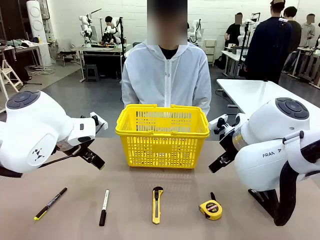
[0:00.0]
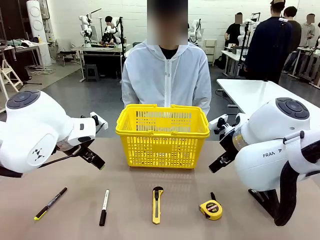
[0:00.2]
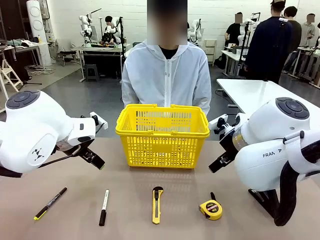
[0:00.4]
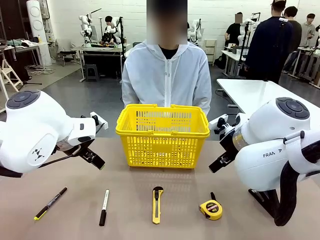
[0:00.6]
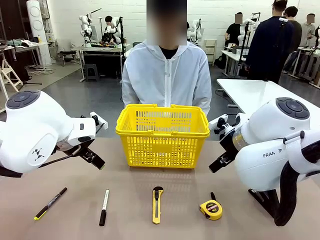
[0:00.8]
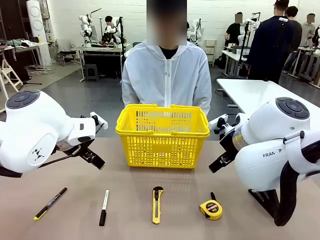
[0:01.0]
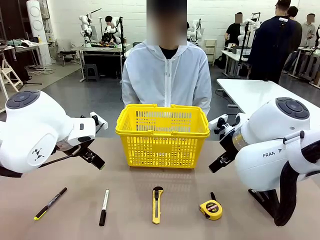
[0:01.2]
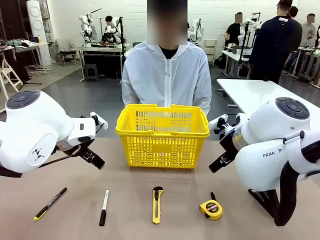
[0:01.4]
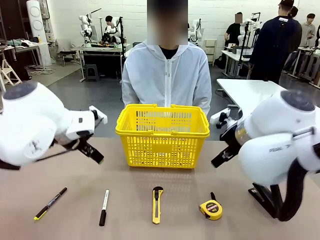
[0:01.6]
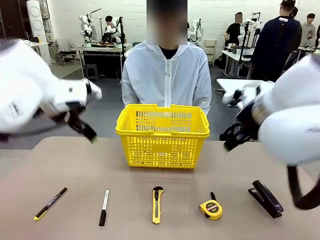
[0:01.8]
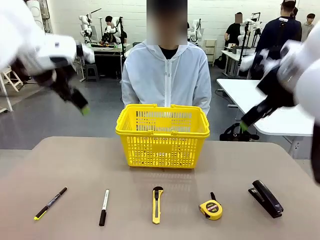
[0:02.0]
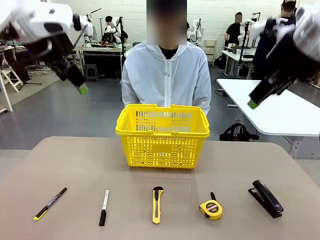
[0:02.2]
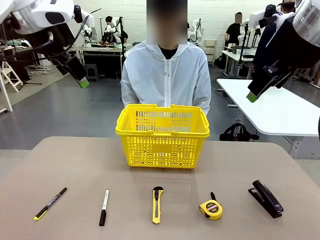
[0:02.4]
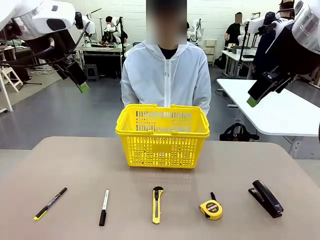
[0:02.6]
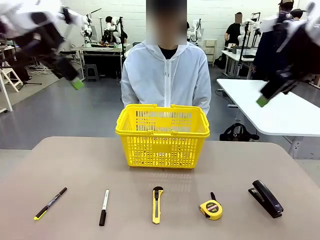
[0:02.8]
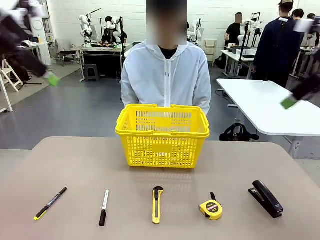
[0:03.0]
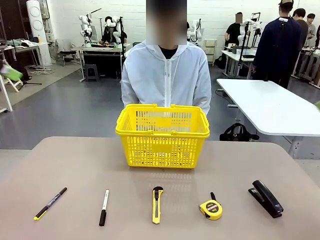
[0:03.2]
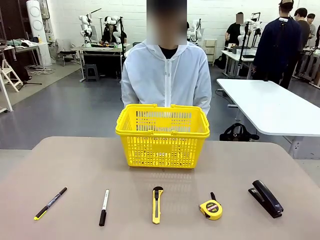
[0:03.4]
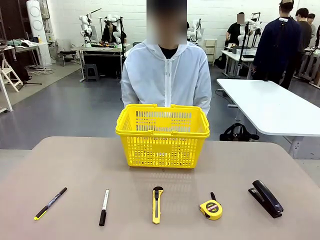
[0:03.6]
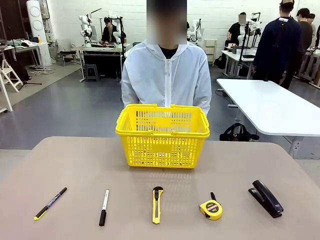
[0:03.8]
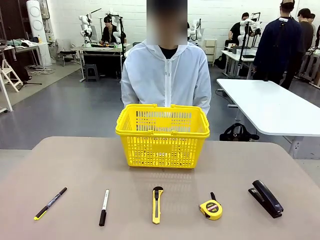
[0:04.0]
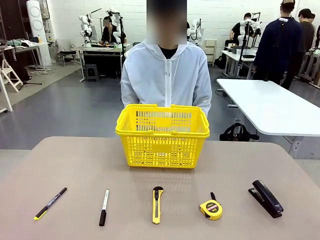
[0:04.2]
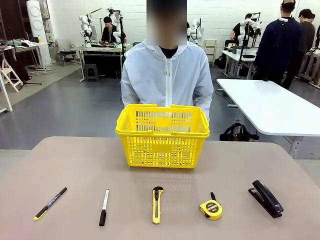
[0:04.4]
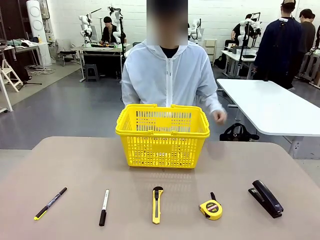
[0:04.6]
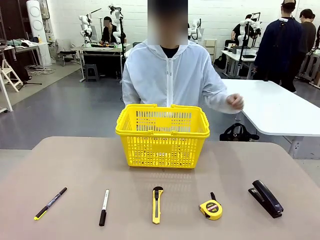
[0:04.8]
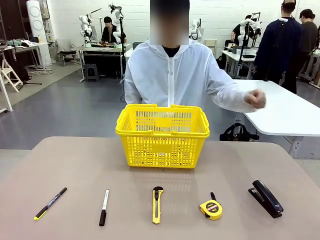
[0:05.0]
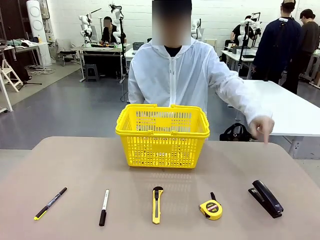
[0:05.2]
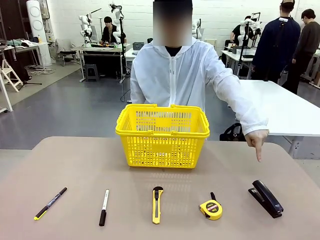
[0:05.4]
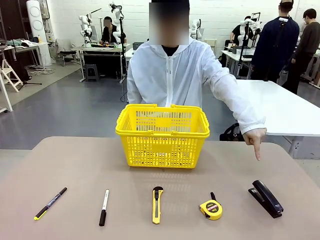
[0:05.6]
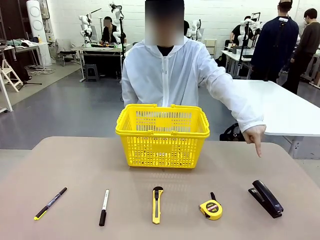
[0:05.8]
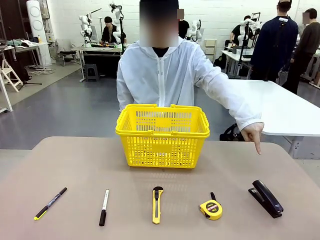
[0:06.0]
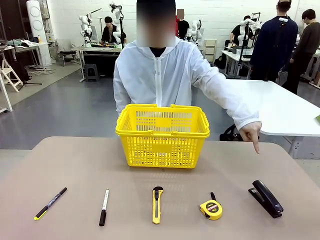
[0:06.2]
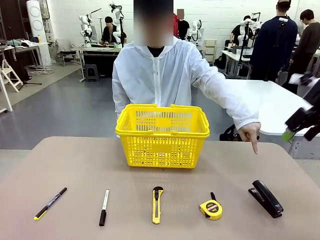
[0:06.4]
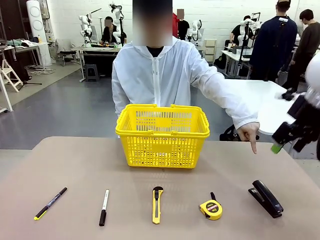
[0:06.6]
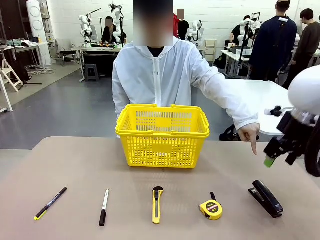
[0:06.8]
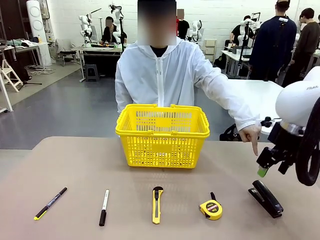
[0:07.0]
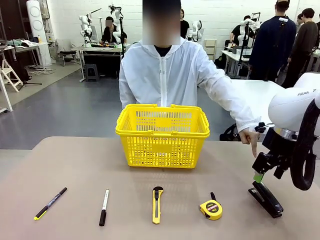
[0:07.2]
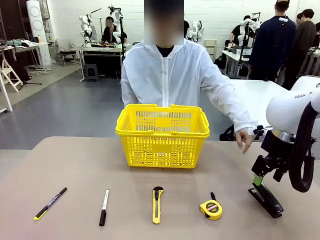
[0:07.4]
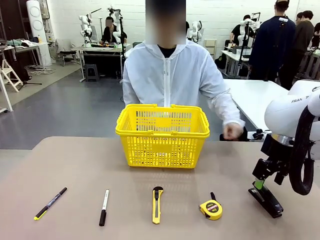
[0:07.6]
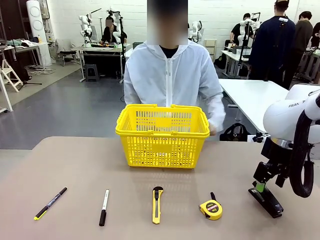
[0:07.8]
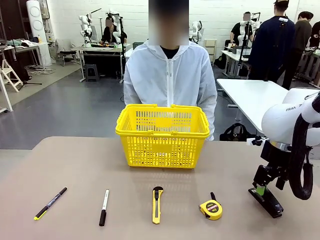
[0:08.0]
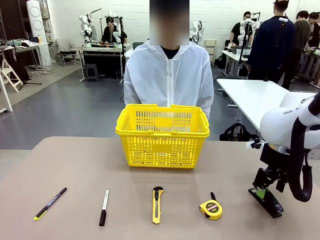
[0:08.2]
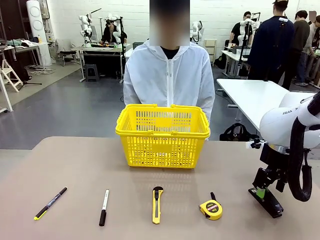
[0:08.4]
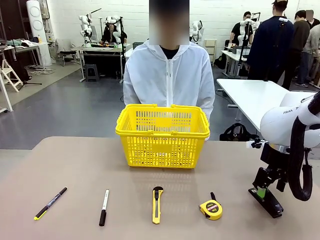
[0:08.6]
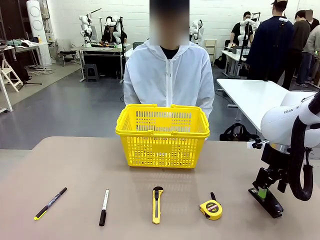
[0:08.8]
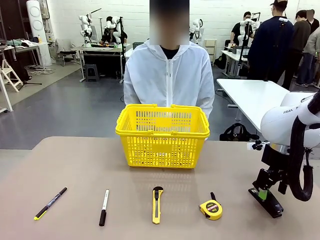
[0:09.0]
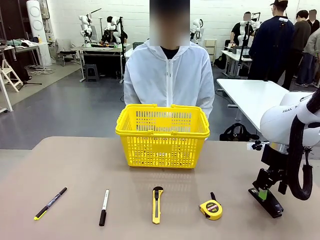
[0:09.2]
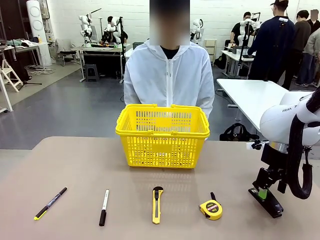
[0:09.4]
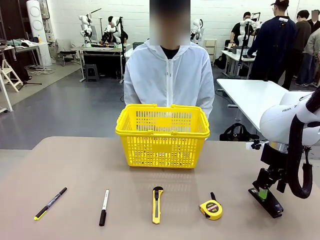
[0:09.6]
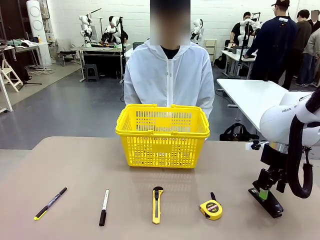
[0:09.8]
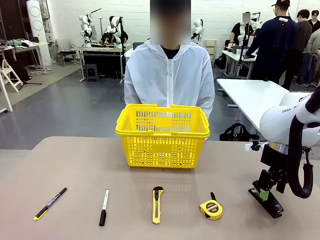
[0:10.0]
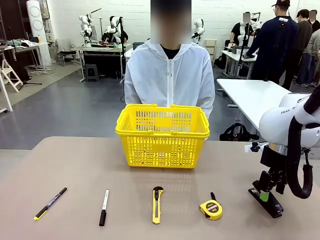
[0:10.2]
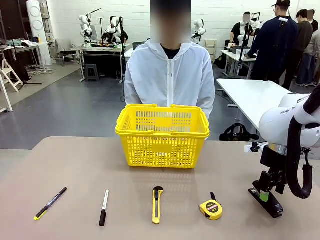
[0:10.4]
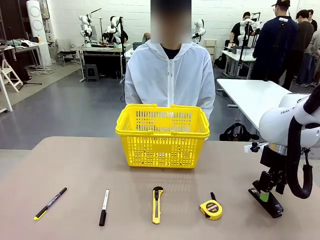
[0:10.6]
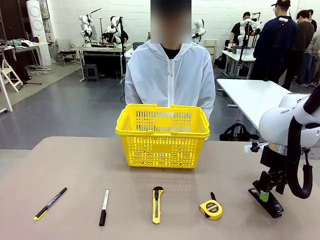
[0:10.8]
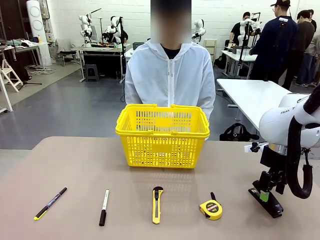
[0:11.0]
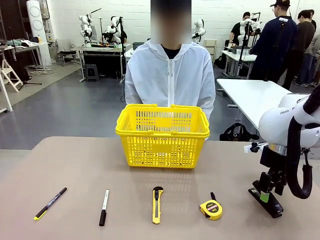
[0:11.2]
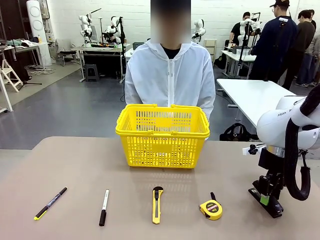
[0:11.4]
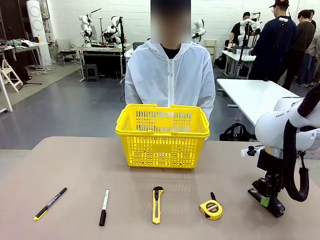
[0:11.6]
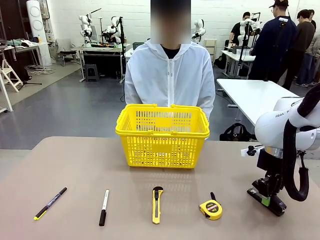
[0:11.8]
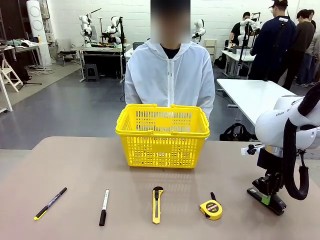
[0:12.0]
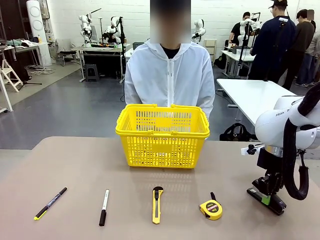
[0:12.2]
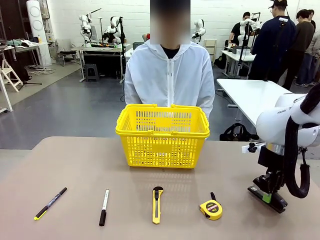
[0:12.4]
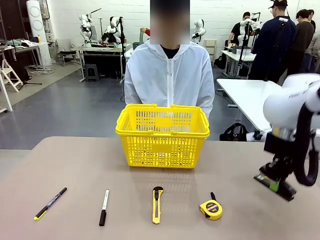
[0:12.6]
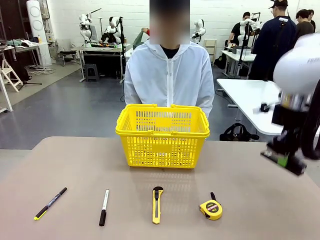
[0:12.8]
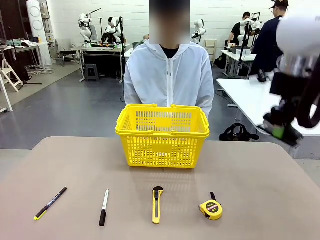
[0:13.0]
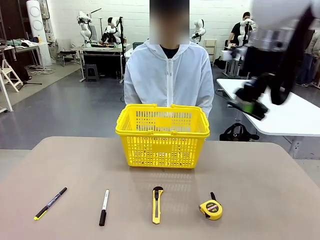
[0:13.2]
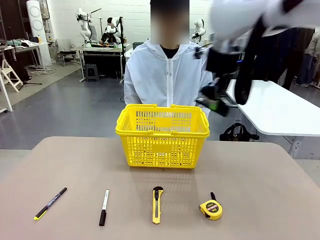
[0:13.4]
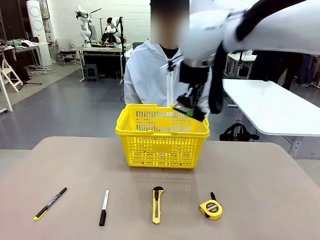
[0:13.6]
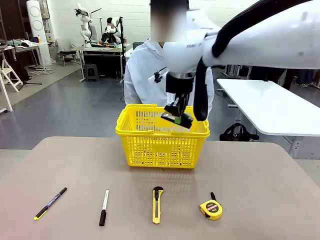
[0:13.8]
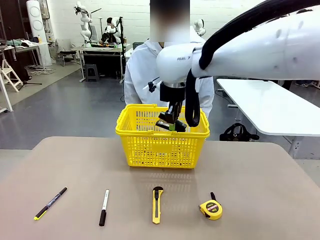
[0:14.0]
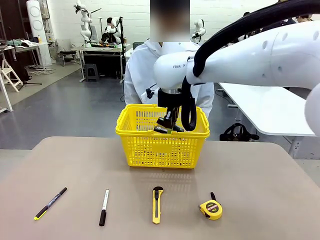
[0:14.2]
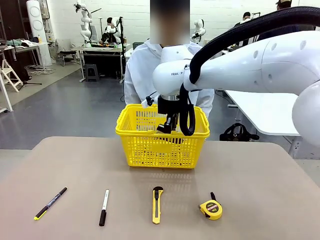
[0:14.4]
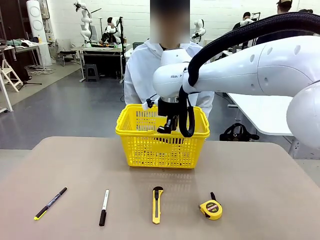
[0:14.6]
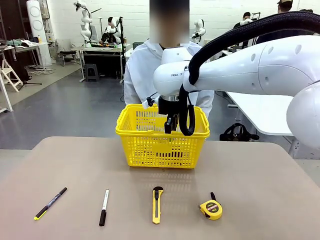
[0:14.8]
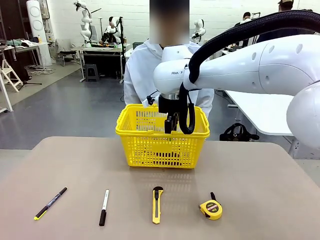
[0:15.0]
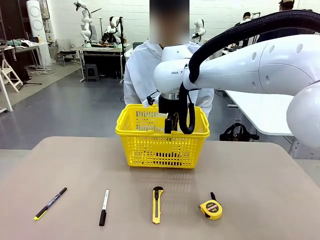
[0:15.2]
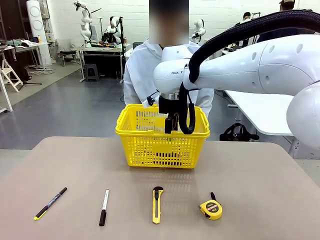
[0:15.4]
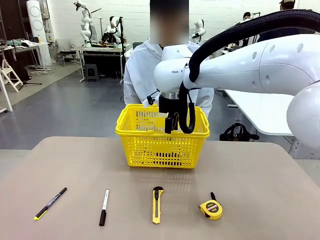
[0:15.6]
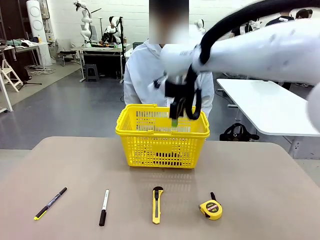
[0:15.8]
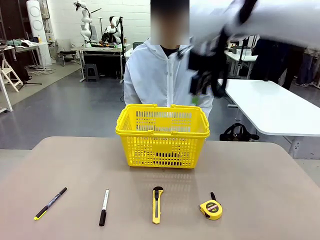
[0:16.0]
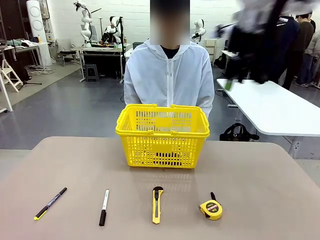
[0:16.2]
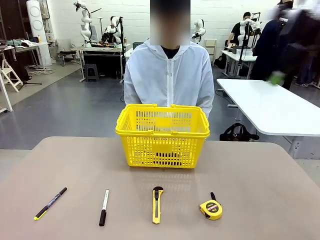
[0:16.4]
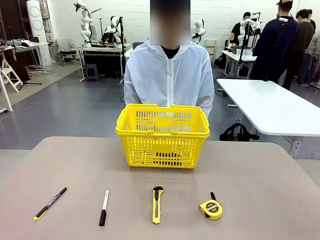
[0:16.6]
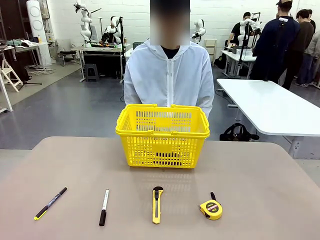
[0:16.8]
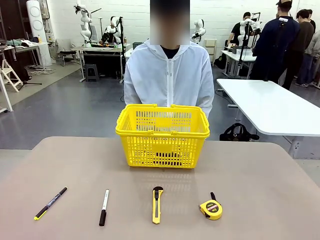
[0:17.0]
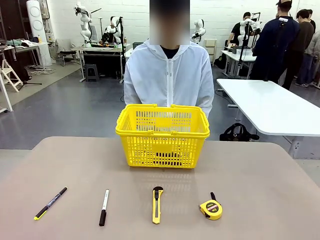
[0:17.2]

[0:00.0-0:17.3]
Task: Place the items the person wants into the basket.
Robot: Pick up the item the person points to and place it in the Market Basket.
